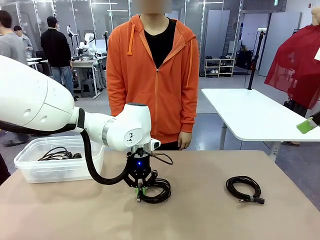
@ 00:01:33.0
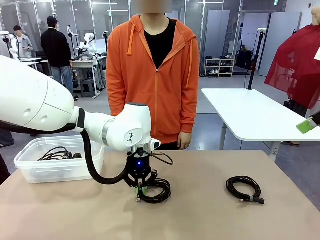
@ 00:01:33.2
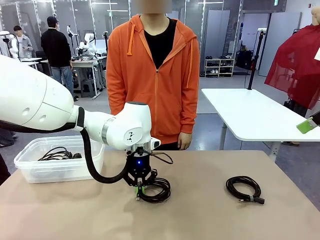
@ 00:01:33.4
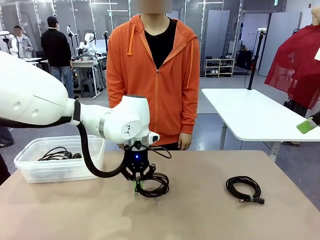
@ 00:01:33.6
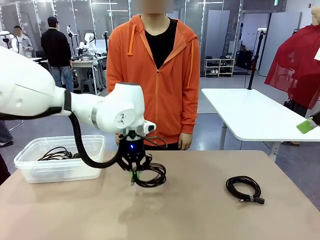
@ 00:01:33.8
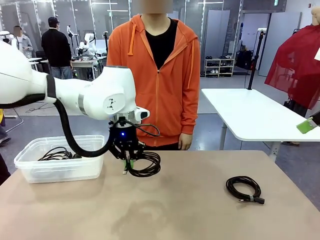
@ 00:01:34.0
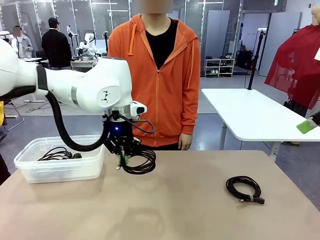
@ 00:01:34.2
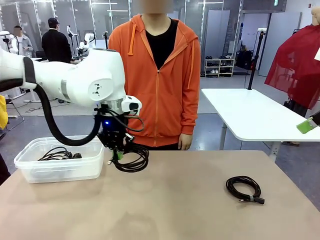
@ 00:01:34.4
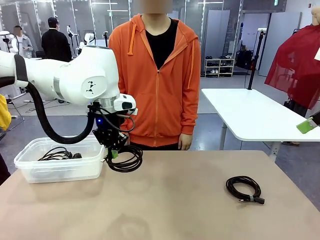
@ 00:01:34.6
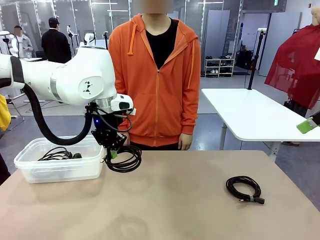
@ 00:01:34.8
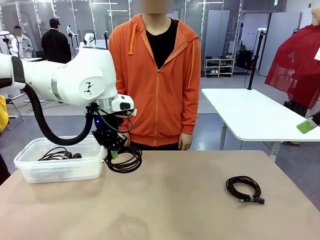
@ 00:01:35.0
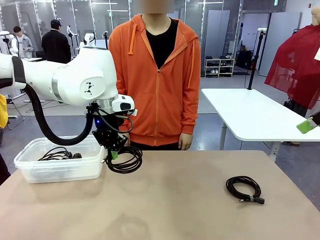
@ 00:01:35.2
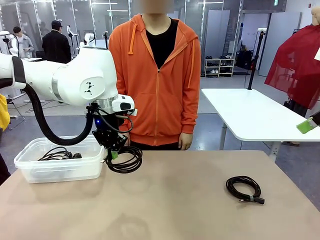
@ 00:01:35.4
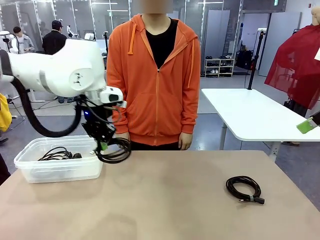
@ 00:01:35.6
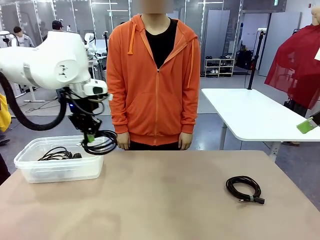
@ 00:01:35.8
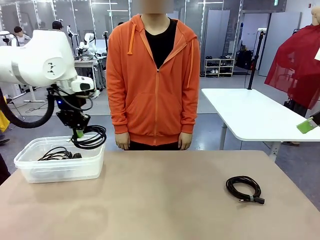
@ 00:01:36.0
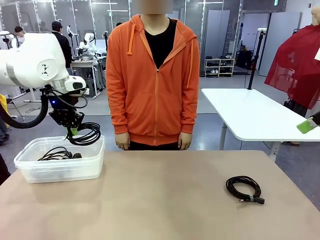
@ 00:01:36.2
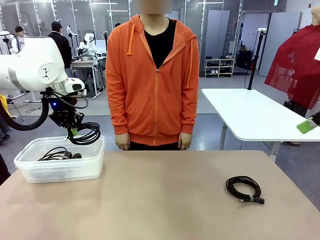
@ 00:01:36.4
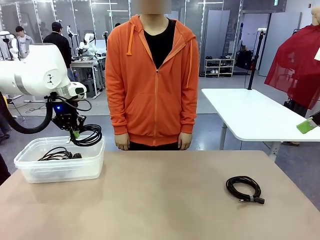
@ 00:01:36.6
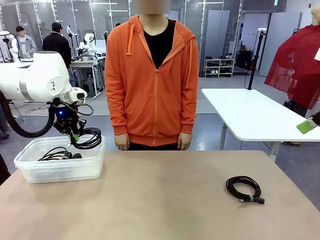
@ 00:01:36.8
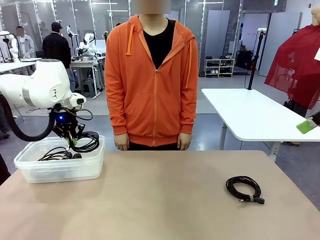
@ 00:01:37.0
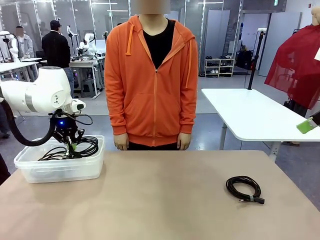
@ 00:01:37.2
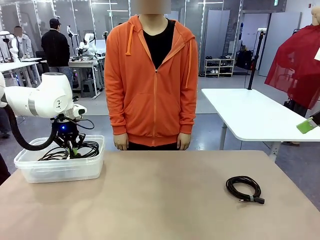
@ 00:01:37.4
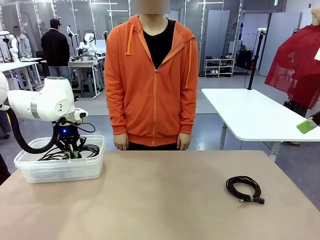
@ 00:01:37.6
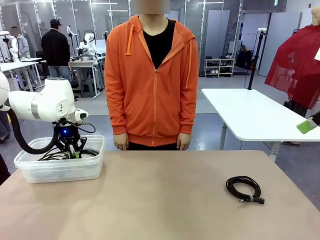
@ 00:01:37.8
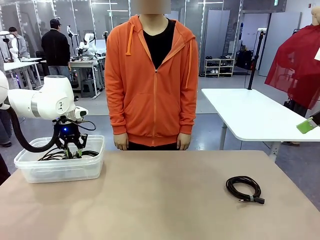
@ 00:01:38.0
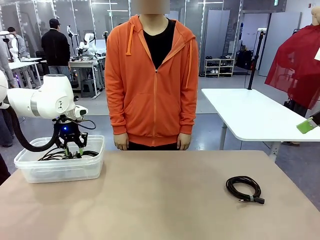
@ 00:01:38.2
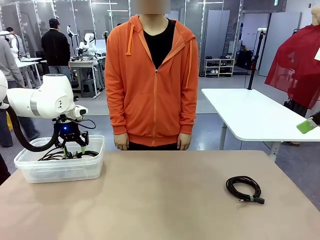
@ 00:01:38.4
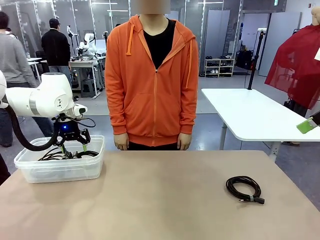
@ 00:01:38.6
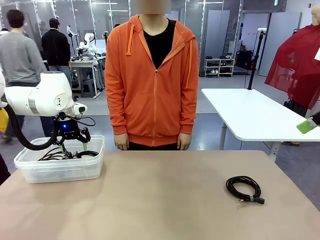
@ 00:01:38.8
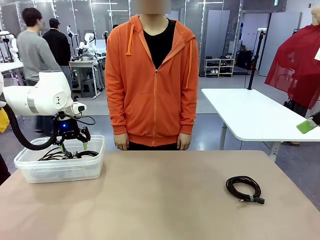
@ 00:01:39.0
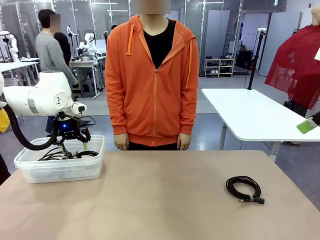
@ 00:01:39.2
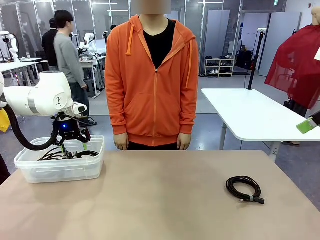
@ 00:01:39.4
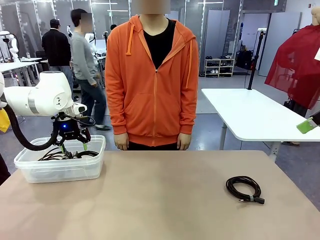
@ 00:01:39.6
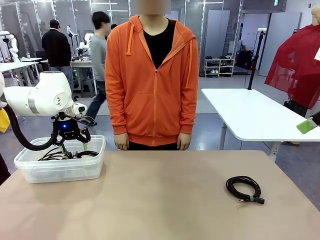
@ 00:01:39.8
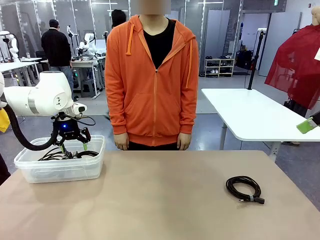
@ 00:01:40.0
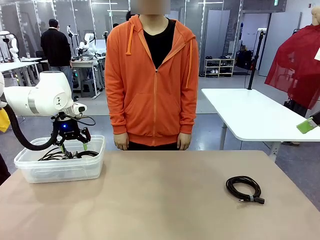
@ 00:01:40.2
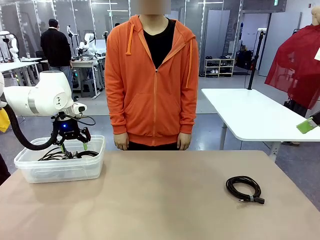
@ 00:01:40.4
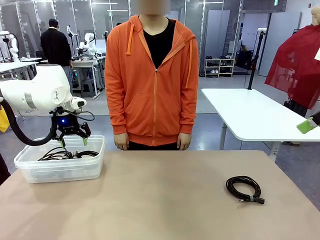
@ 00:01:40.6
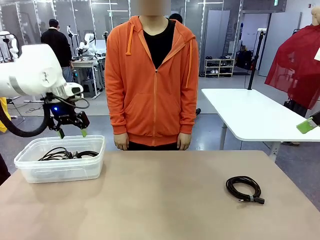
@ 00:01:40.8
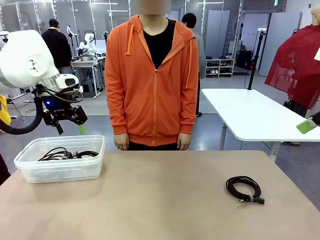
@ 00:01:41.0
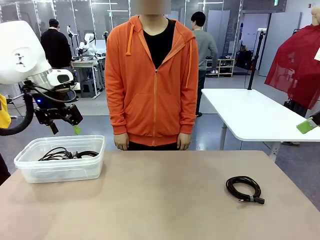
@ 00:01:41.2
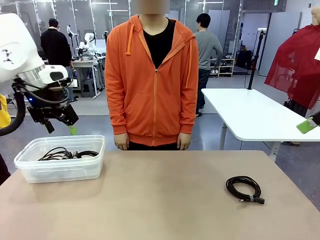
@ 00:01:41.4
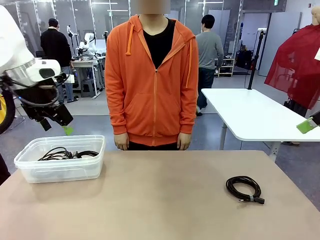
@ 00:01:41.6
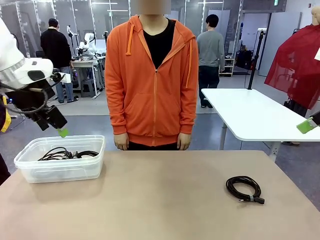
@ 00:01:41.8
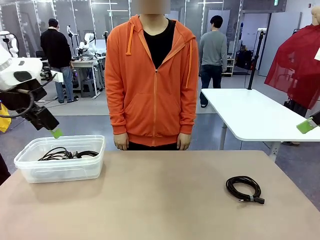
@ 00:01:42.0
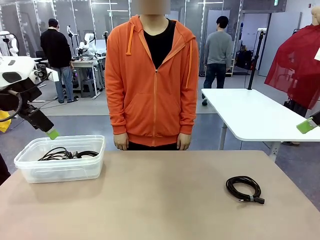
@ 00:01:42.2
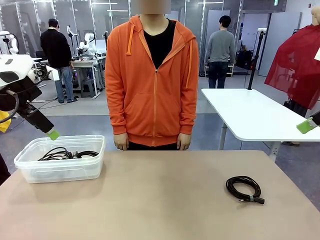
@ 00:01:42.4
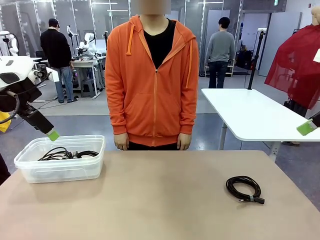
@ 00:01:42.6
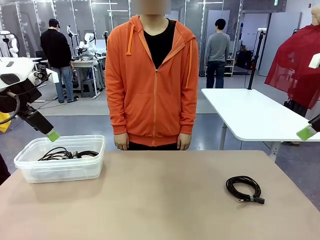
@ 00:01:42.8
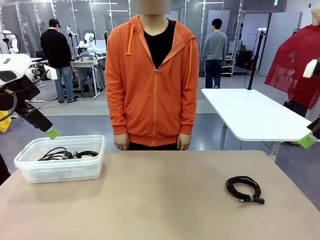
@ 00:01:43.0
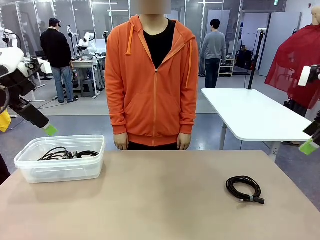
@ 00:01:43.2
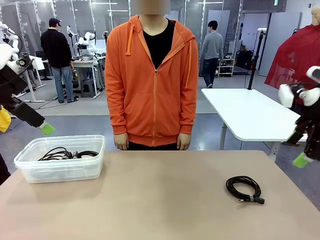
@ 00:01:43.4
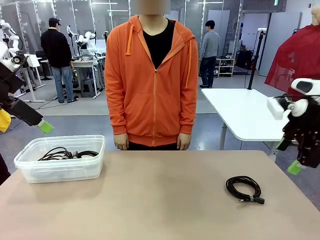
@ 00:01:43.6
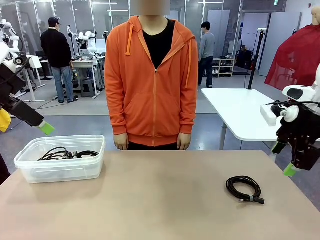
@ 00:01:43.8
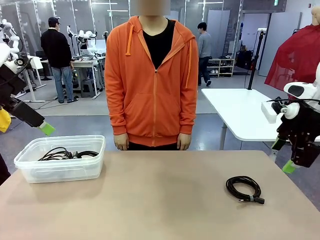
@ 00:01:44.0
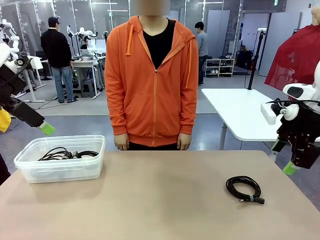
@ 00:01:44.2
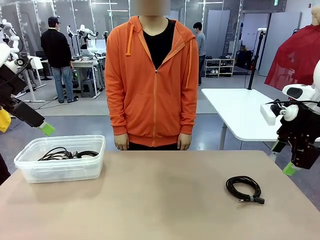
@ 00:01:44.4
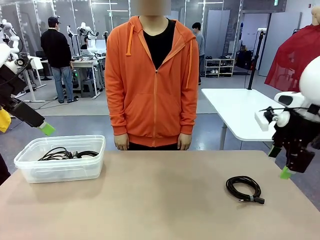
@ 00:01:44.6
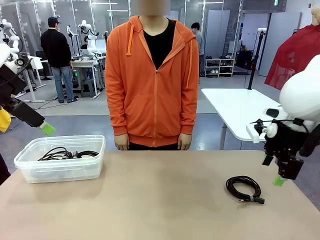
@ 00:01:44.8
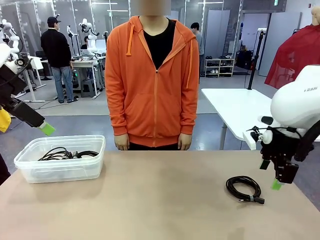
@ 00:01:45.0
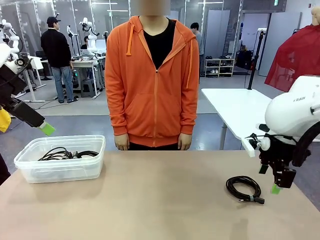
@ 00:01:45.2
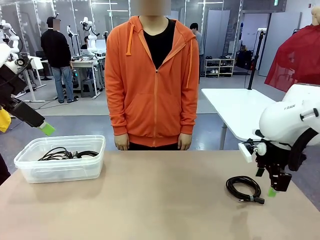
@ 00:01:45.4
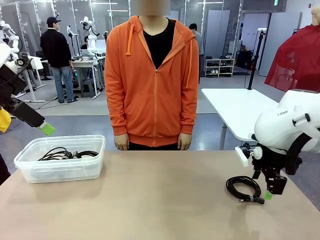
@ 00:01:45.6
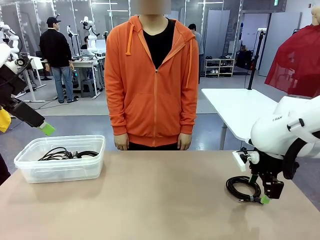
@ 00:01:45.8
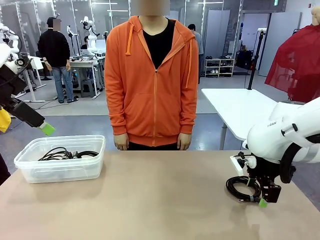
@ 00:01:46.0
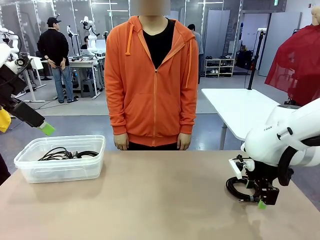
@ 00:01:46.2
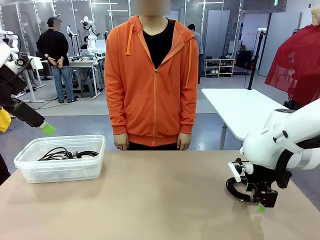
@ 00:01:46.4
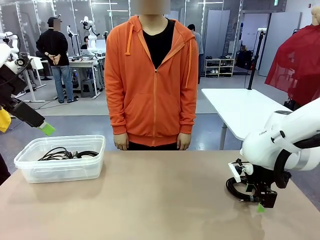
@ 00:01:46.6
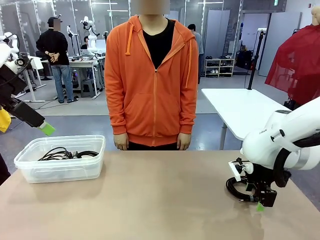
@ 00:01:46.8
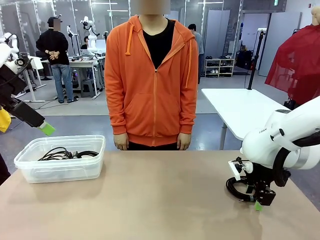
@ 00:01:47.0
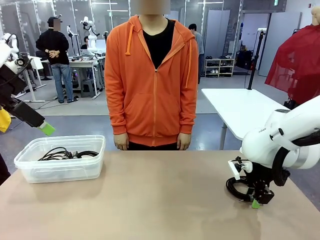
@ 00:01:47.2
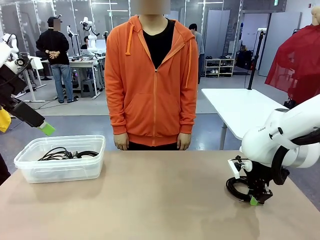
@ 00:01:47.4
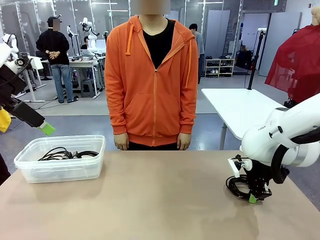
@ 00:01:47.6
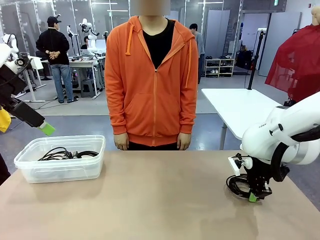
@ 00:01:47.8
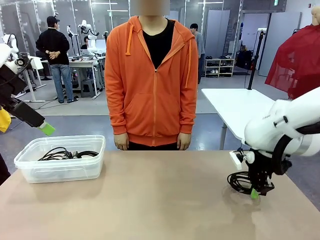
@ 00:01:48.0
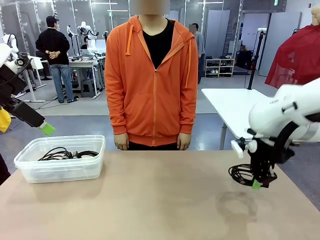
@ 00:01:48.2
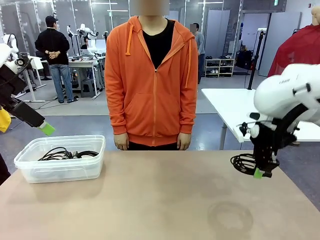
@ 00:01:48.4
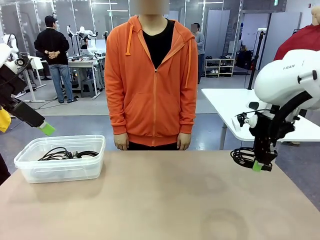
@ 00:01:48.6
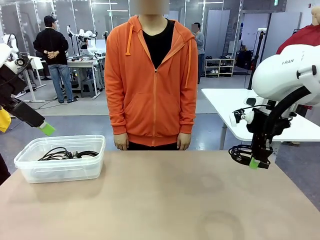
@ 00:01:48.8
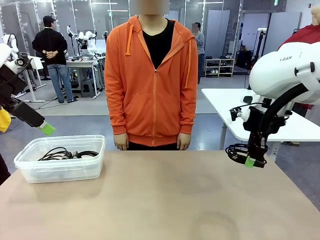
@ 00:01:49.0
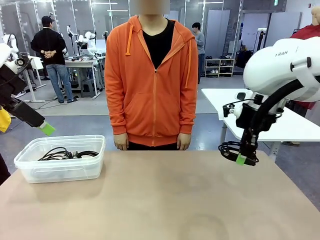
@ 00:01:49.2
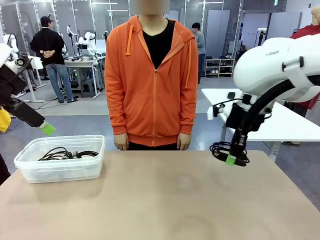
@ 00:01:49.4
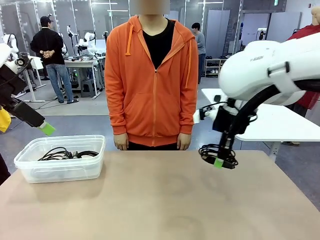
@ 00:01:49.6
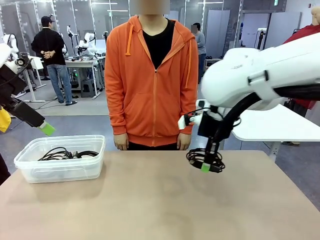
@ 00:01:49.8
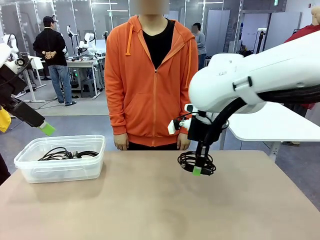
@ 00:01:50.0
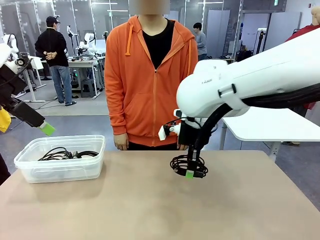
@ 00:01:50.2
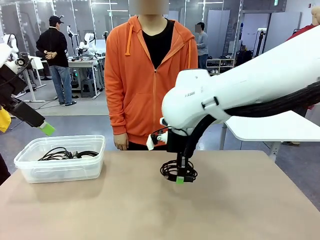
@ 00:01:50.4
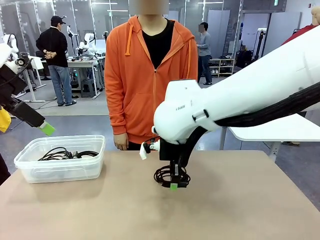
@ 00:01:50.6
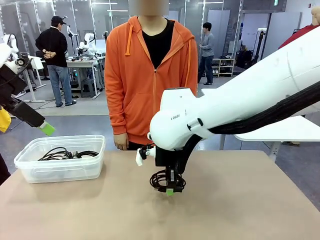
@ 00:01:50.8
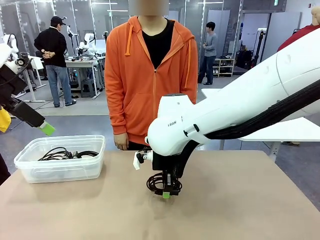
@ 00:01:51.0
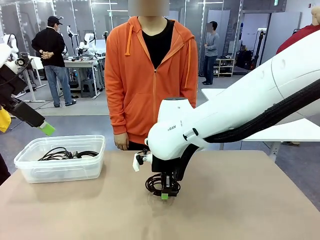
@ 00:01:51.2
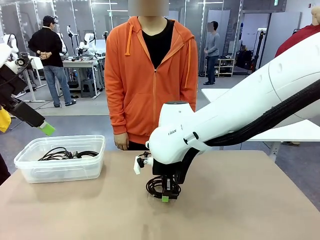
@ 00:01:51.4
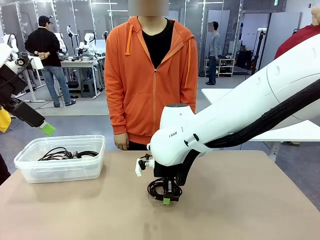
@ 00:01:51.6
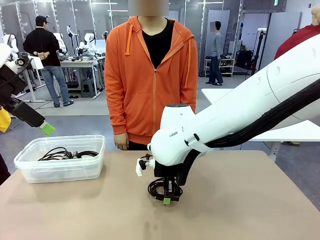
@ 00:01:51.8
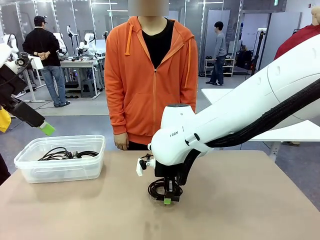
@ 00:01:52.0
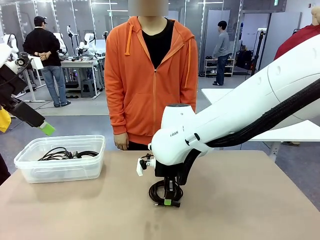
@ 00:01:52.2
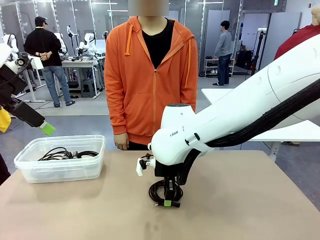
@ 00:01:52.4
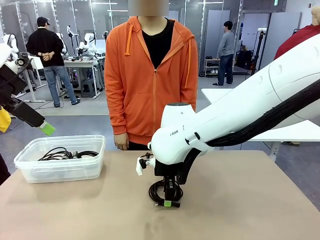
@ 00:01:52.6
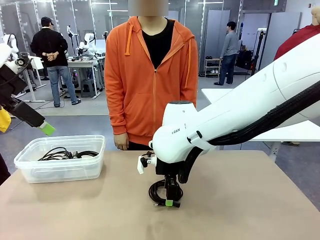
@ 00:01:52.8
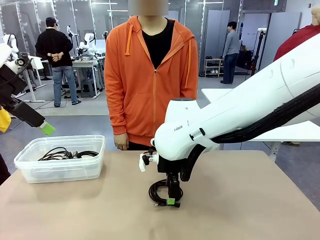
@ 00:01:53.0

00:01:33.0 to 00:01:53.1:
Task: Organize and store the cables.
Robot: Place the USB Extension Cable into the Organizing box.
